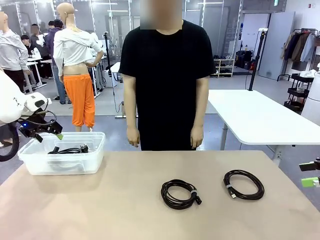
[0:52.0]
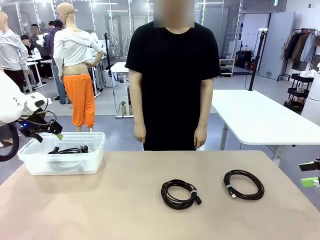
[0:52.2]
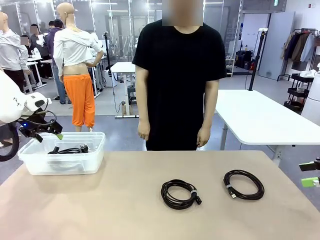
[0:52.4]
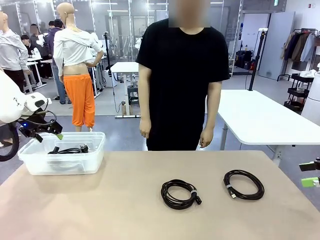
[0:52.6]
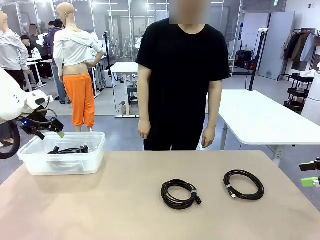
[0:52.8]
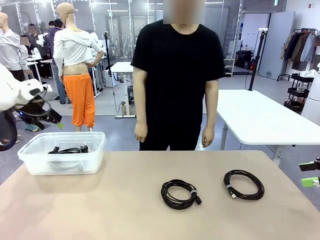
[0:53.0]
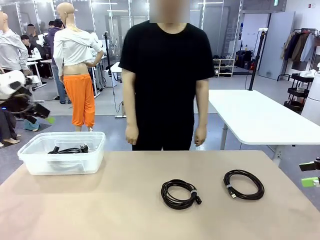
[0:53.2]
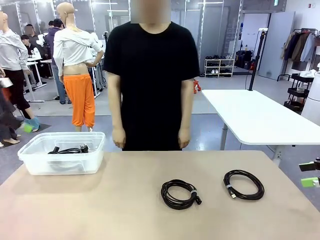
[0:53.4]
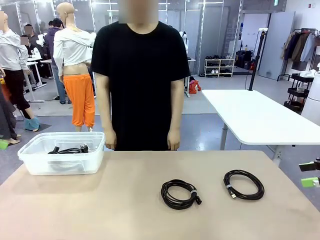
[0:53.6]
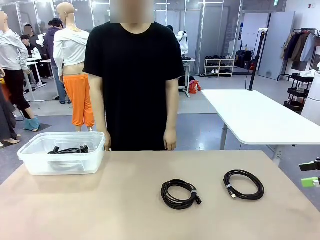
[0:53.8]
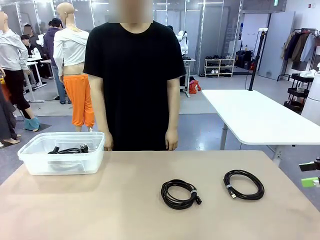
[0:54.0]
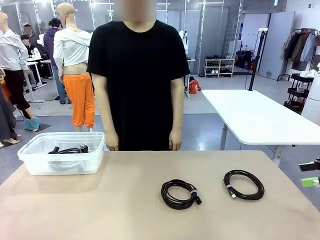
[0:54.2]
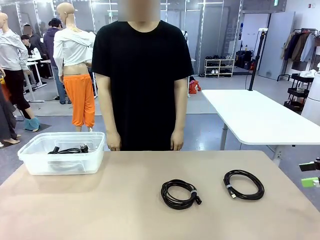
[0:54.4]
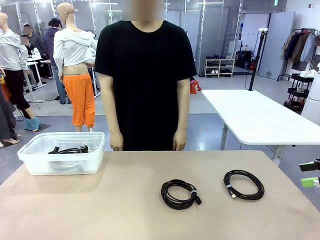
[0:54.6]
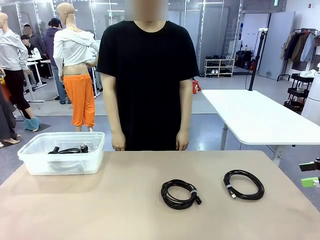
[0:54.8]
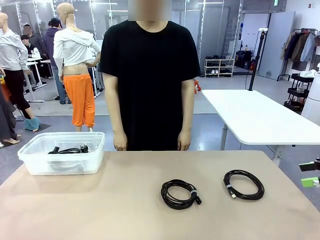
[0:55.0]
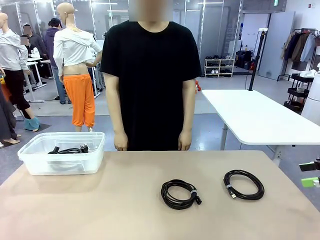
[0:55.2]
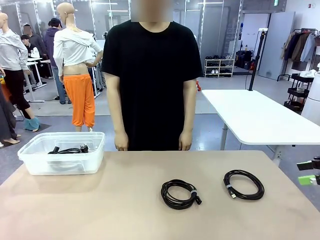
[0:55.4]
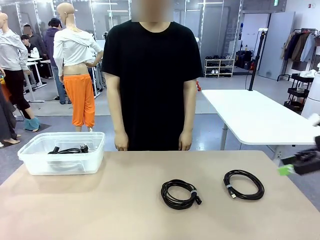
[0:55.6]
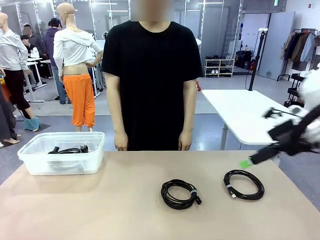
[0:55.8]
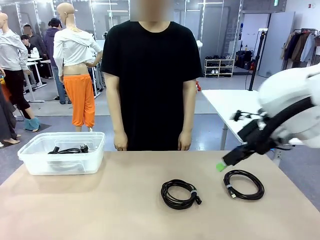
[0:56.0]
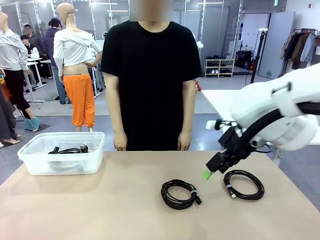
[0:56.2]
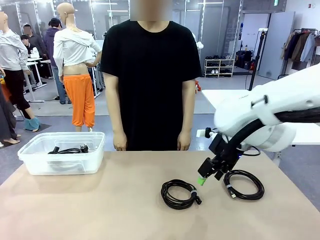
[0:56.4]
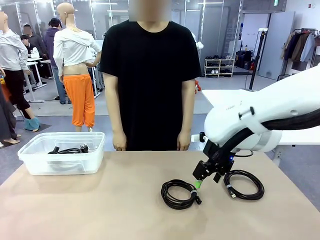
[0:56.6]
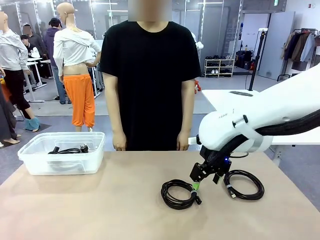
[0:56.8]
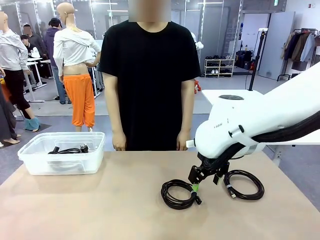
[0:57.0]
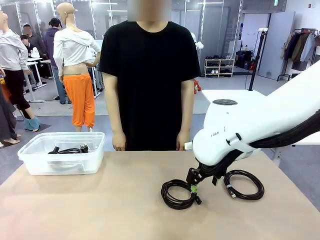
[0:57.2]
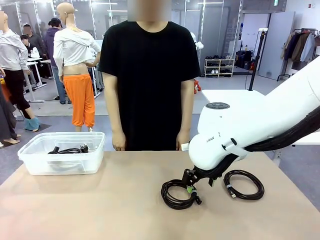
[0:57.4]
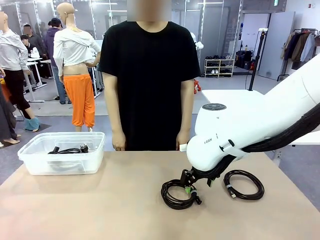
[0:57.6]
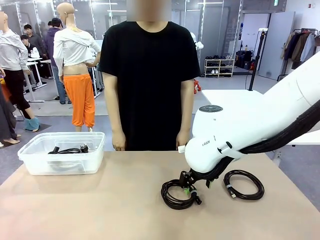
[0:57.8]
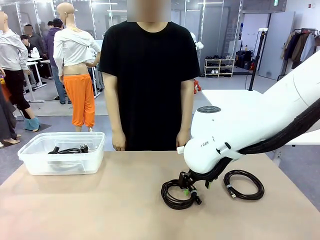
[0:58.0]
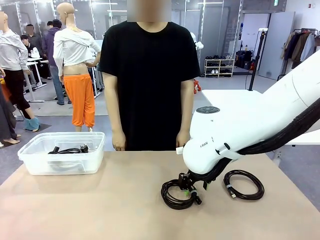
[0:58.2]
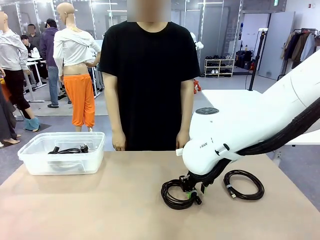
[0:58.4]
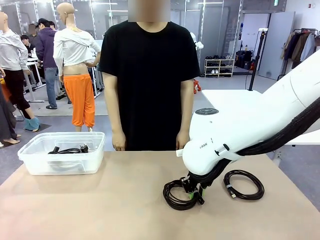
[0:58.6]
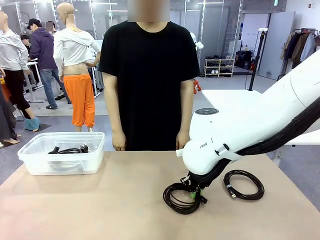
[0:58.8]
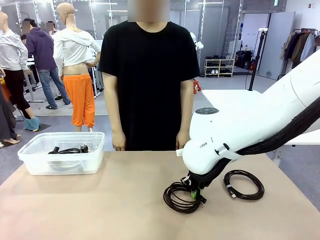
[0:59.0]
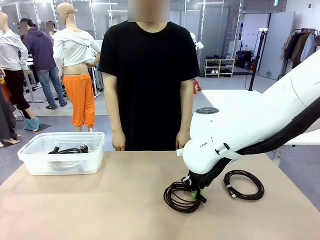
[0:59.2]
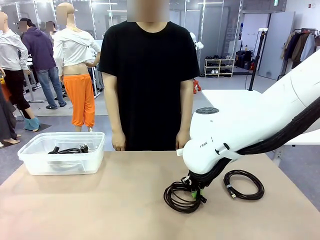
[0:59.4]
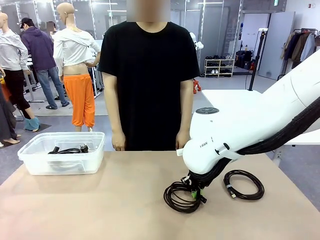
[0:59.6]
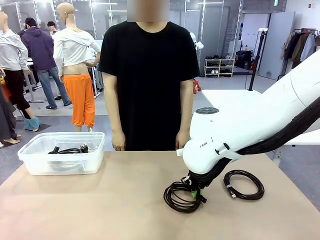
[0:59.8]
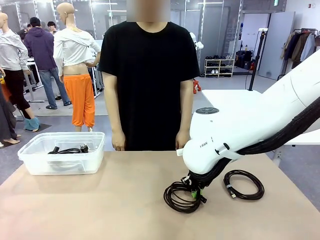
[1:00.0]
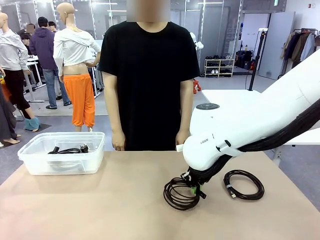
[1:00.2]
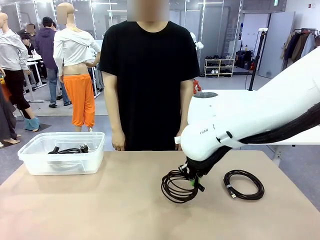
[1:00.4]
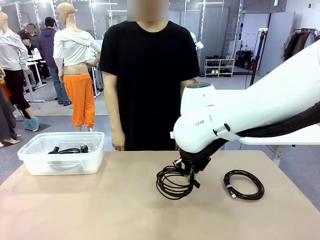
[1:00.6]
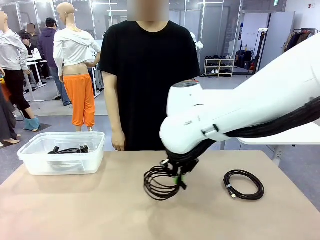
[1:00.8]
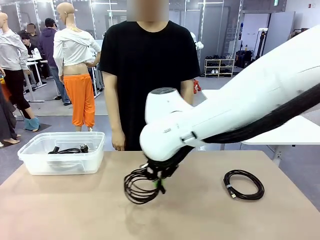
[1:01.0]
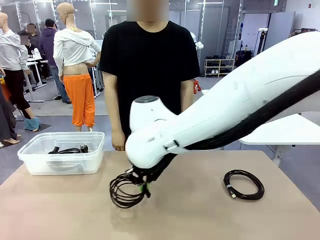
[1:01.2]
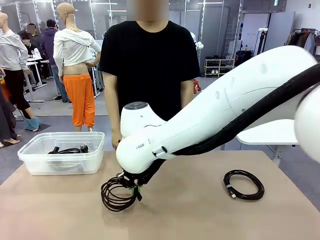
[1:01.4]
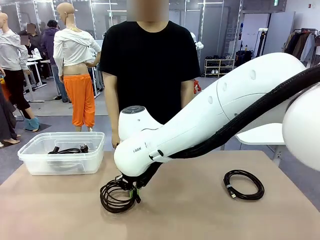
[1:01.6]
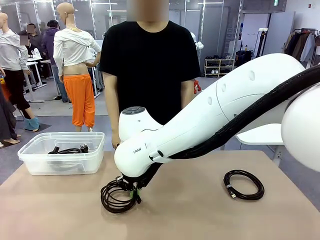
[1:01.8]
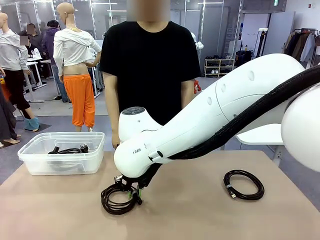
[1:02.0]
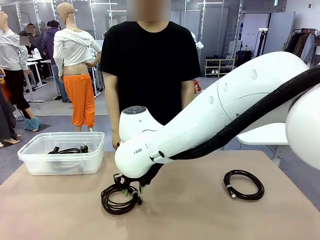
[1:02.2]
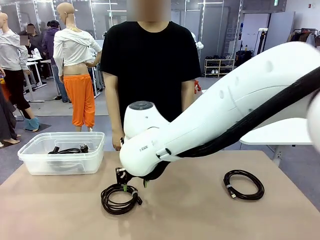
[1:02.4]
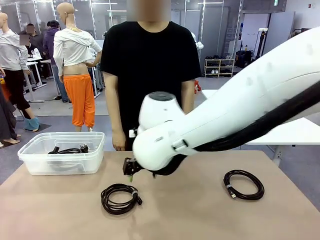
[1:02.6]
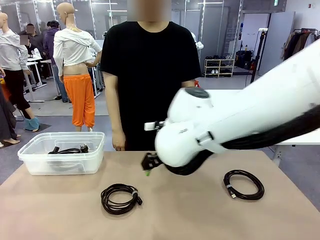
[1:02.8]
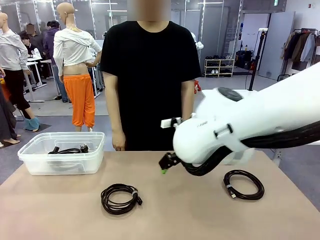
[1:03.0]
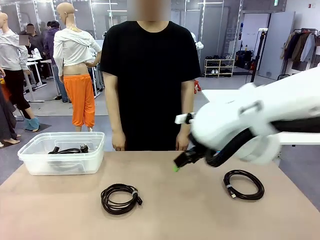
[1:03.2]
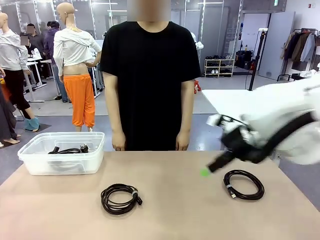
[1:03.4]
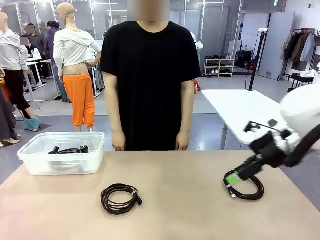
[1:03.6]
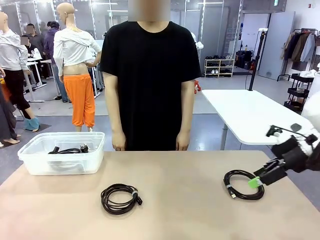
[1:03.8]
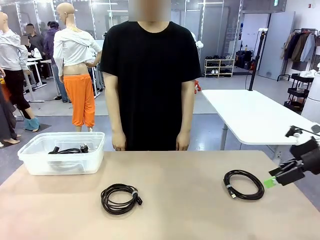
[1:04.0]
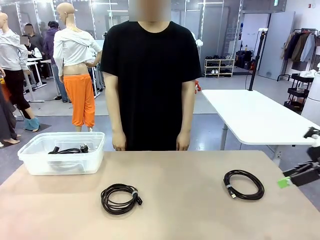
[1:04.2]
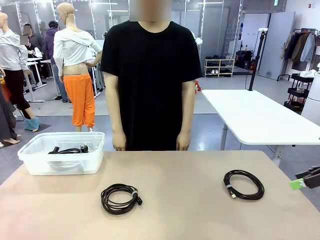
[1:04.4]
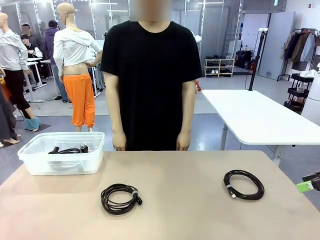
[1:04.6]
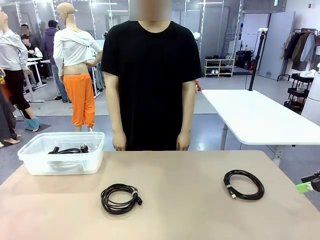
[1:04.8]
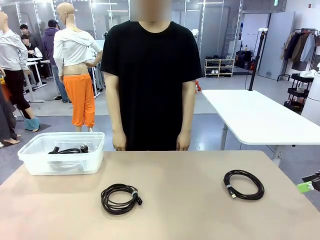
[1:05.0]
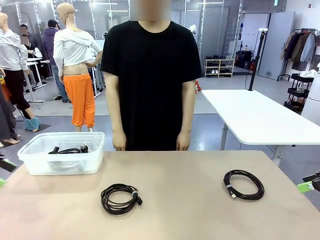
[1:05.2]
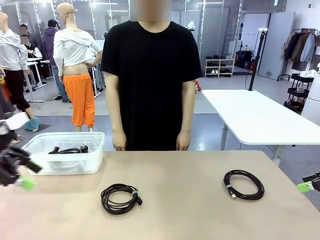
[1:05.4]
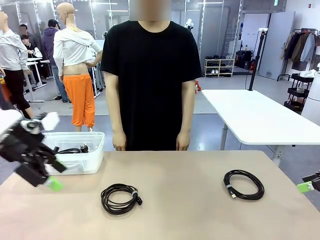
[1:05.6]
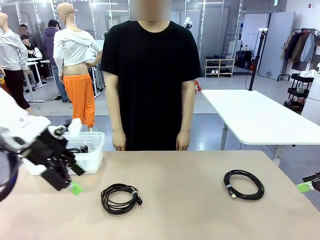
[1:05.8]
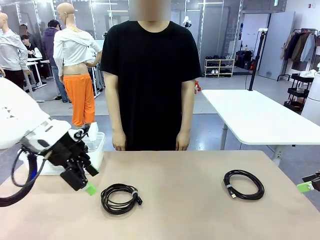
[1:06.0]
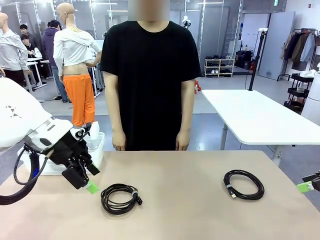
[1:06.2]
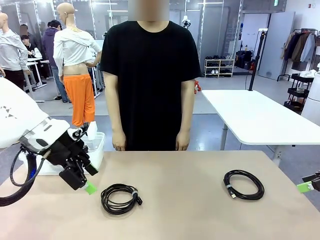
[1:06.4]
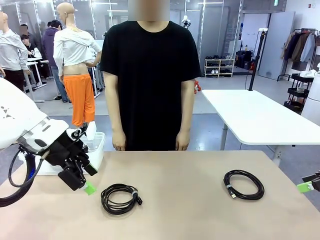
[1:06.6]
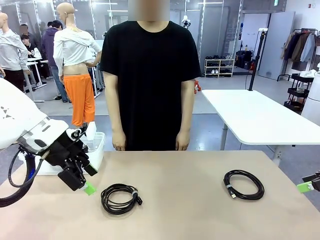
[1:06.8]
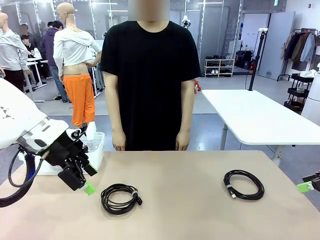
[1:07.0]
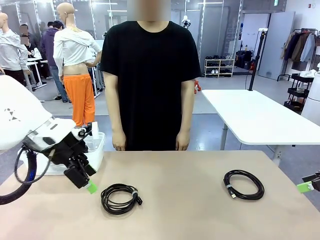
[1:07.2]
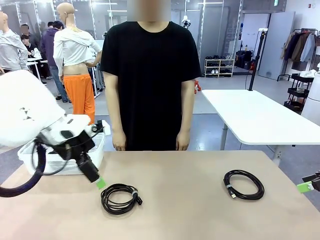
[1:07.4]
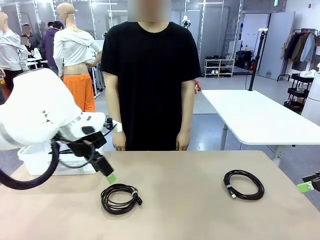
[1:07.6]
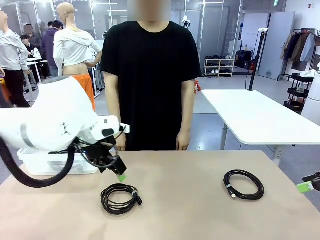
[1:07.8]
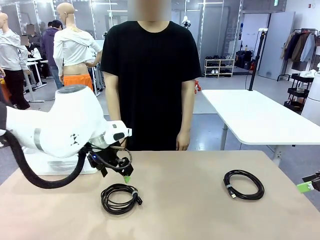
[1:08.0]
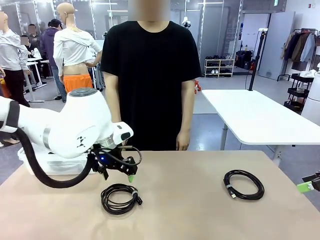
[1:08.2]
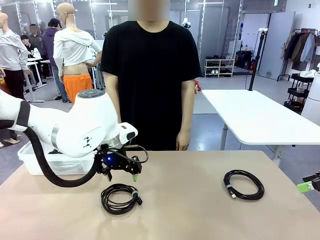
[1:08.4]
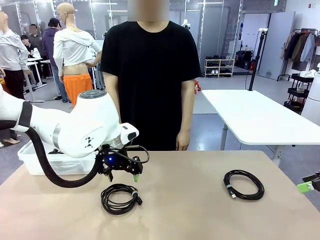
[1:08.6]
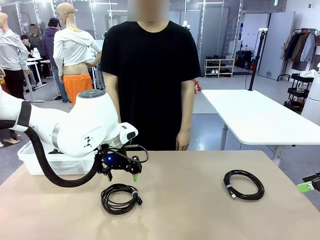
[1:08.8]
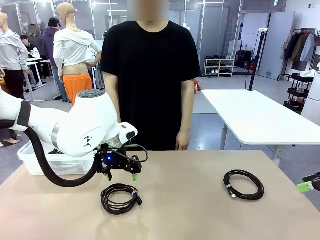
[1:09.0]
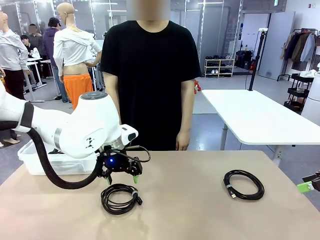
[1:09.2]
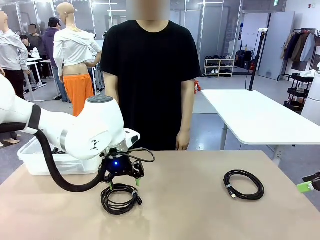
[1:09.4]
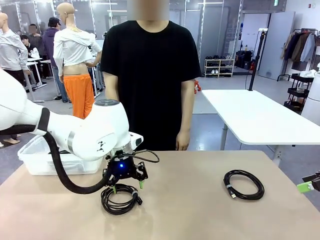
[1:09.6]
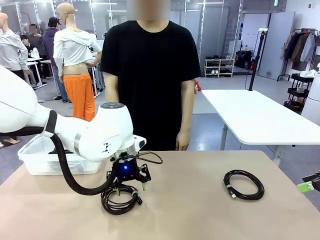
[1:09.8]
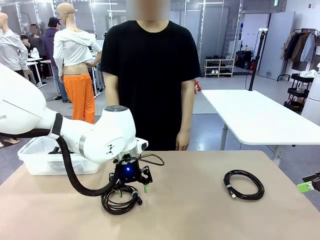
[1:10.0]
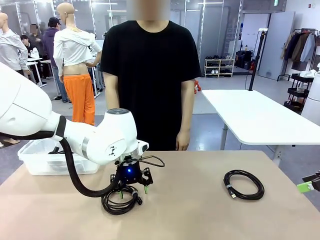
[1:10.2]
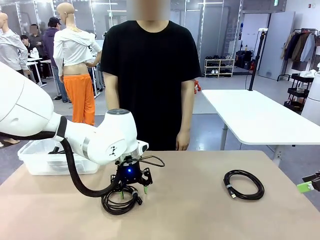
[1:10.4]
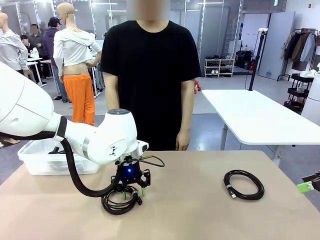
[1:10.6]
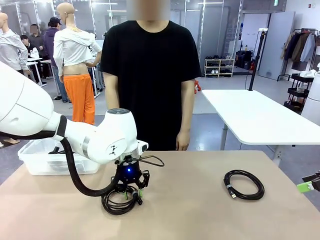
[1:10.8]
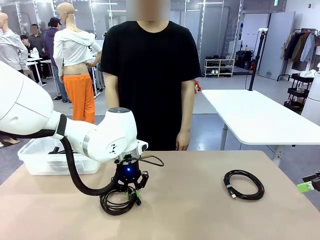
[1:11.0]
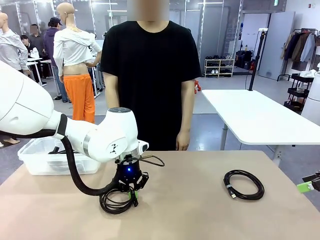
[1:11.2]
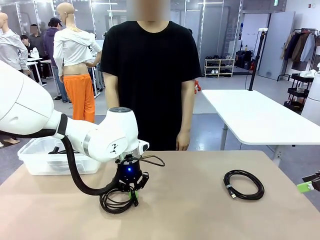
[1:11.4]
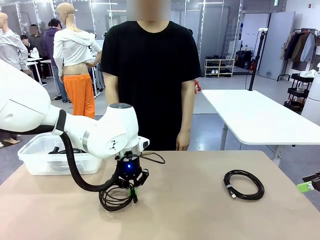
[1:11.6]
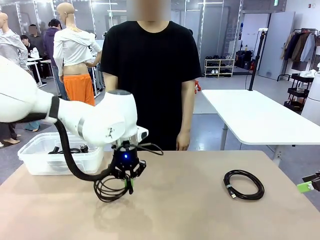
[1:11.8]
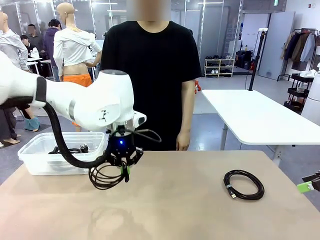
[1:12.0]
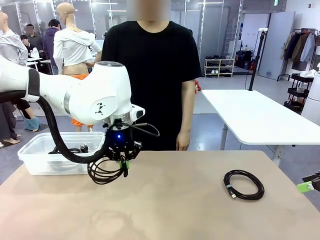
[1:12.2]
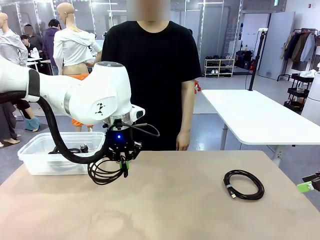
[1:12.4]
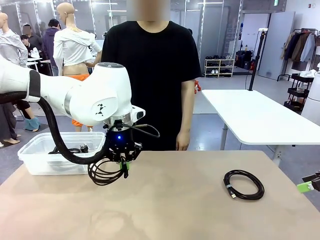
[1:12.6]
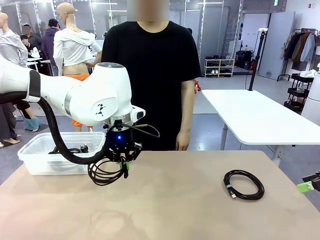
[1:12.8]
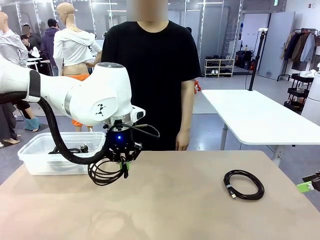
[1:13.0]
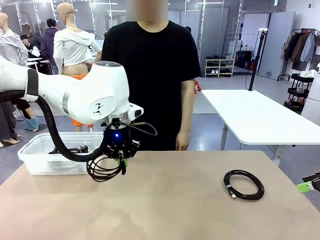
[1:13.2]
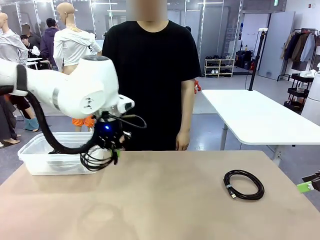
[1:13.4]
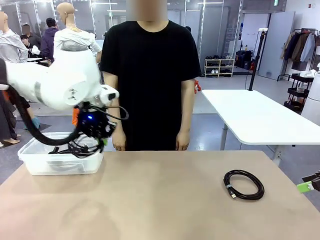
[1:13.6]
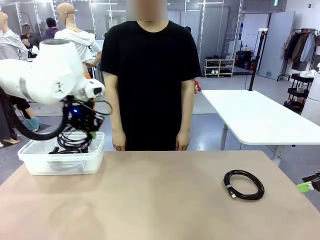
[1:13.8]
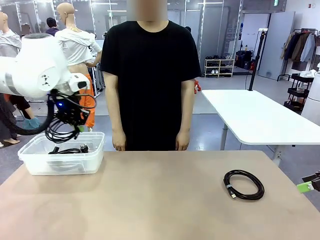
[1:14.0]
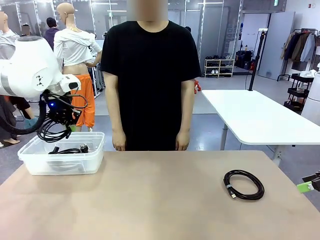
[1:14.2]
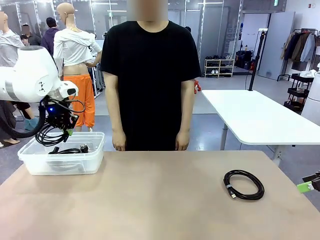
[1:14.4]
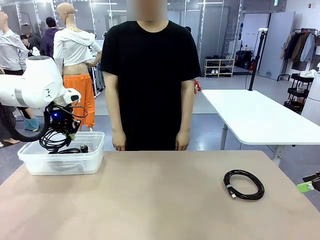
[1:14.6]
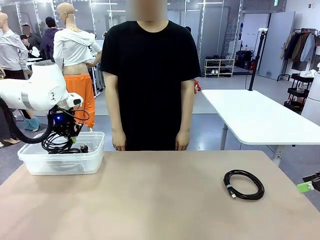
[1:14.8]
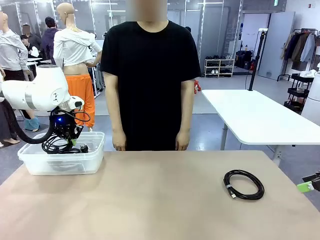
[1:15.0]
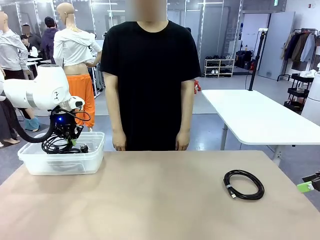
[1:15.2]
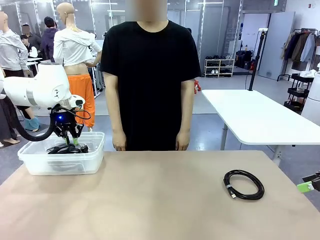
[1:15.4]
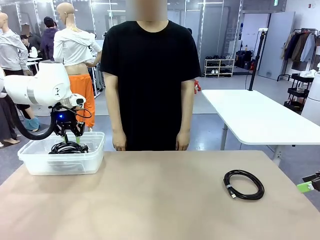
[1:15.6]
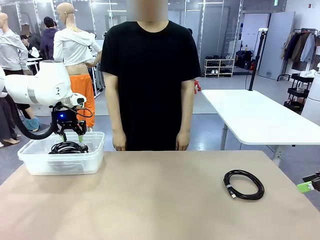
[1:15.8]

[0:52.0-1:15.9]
Task: Organize and store the cables.
Robot: Place the USB Extension Cable into the Organizing box.
